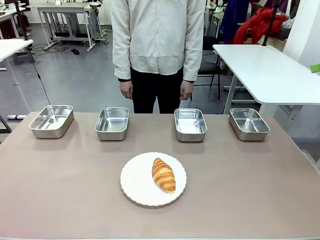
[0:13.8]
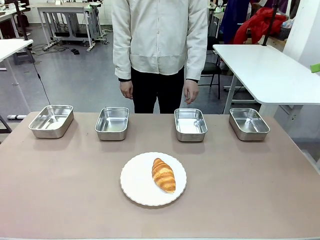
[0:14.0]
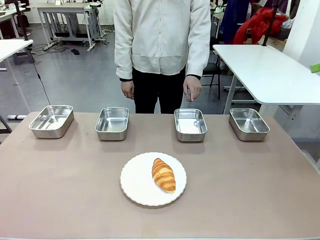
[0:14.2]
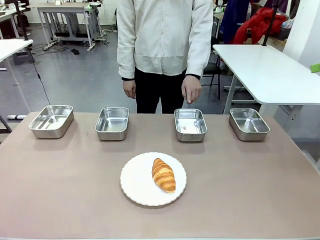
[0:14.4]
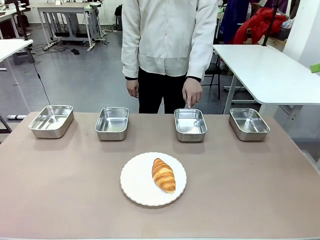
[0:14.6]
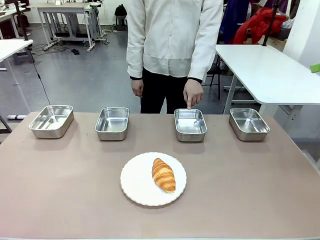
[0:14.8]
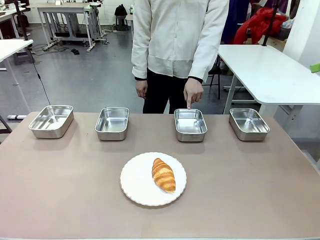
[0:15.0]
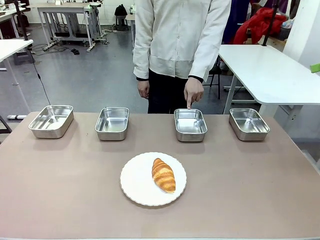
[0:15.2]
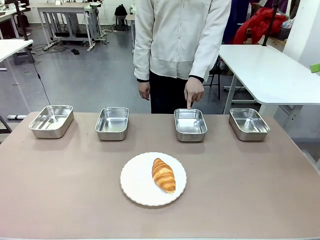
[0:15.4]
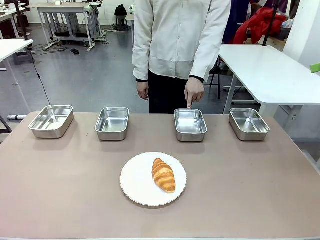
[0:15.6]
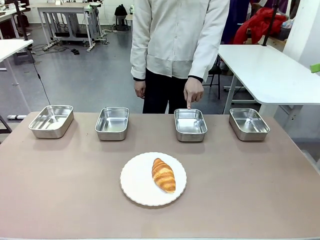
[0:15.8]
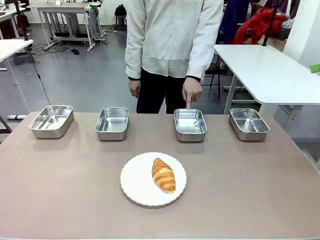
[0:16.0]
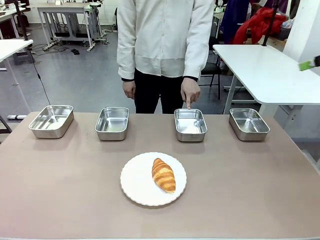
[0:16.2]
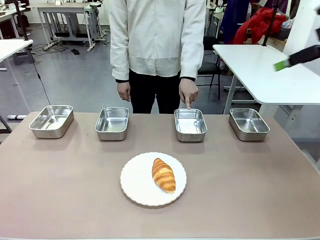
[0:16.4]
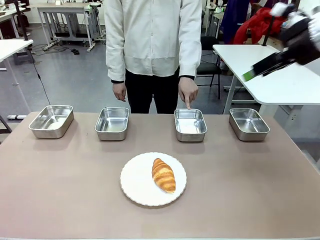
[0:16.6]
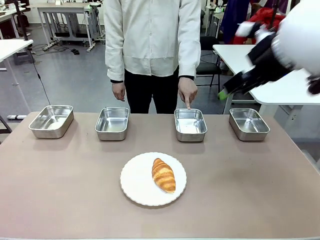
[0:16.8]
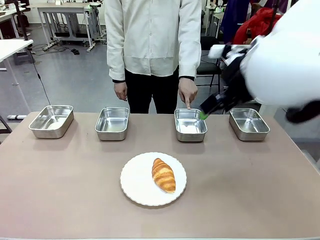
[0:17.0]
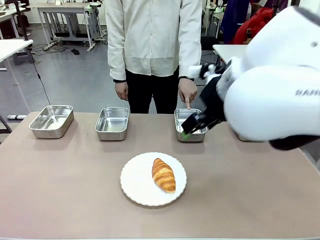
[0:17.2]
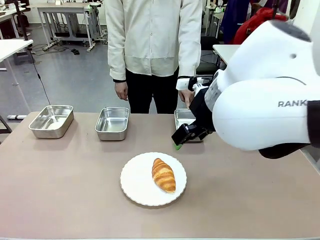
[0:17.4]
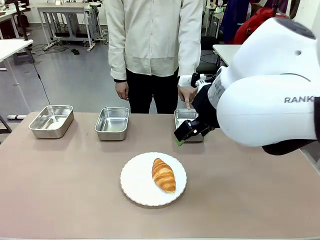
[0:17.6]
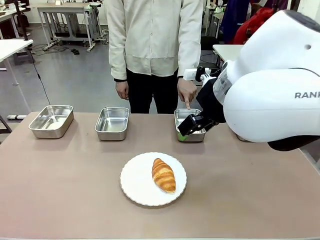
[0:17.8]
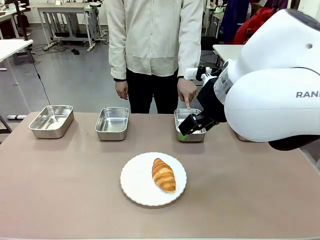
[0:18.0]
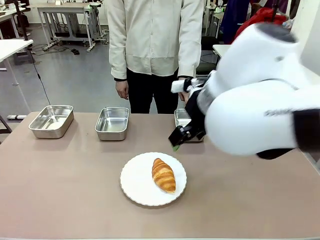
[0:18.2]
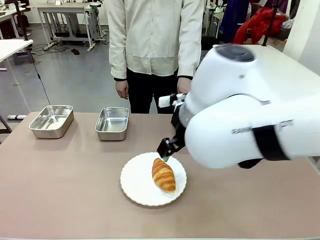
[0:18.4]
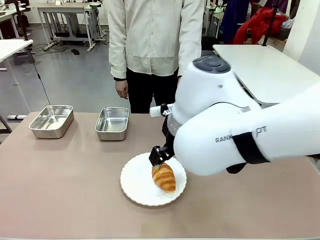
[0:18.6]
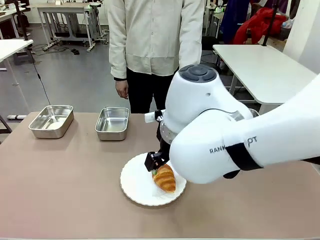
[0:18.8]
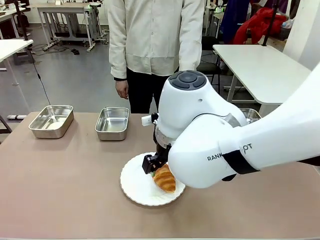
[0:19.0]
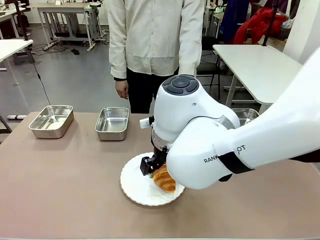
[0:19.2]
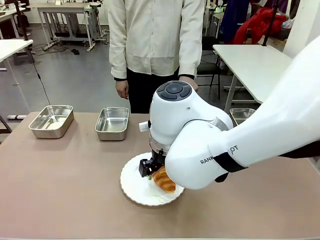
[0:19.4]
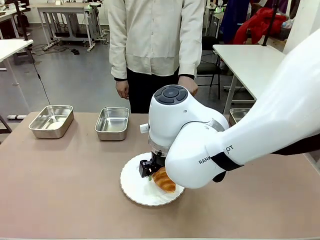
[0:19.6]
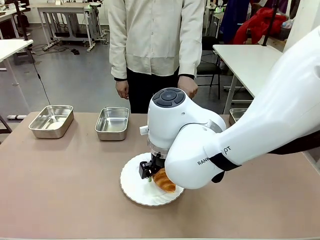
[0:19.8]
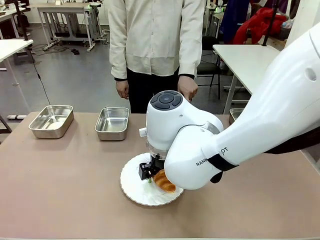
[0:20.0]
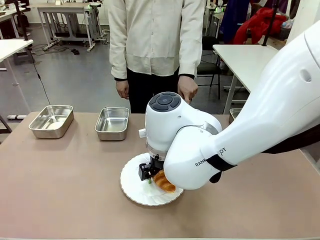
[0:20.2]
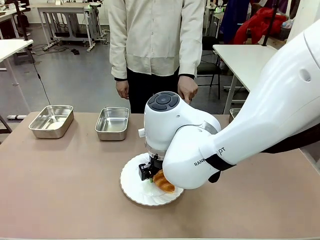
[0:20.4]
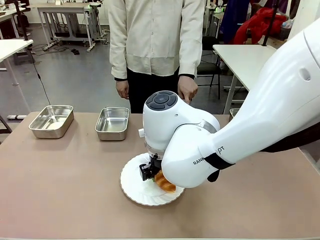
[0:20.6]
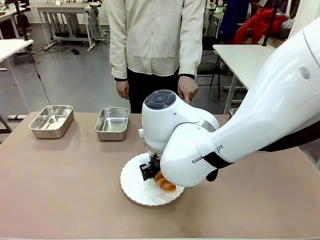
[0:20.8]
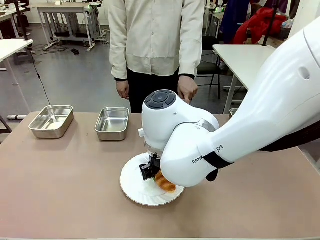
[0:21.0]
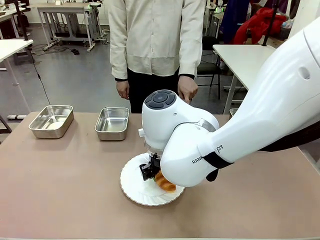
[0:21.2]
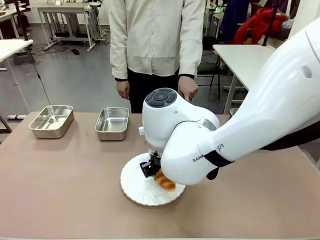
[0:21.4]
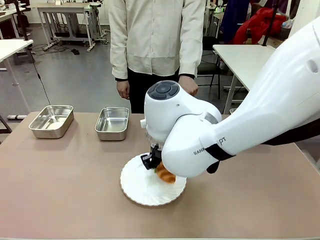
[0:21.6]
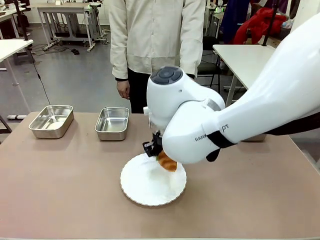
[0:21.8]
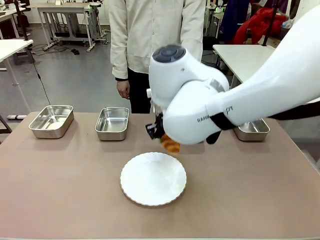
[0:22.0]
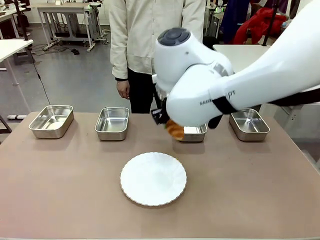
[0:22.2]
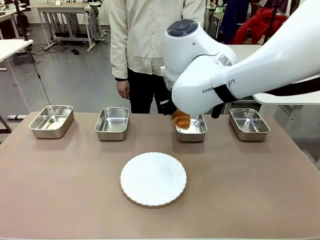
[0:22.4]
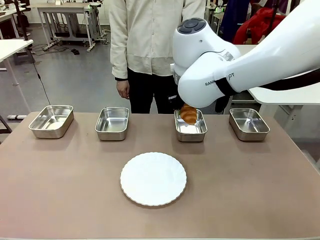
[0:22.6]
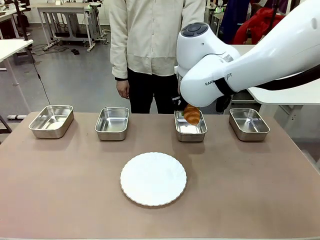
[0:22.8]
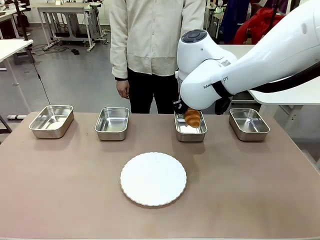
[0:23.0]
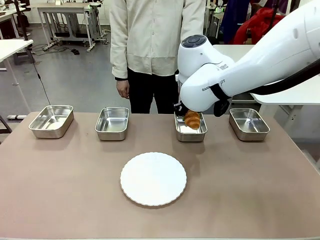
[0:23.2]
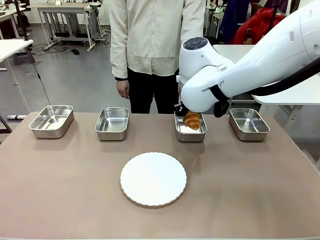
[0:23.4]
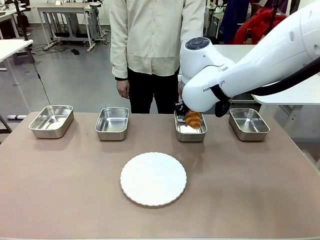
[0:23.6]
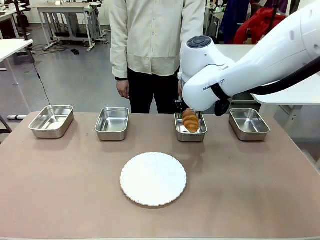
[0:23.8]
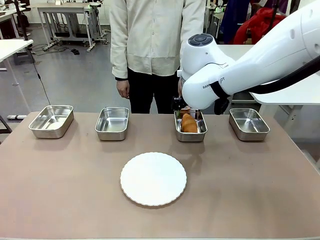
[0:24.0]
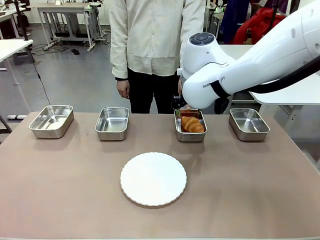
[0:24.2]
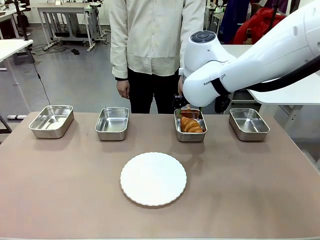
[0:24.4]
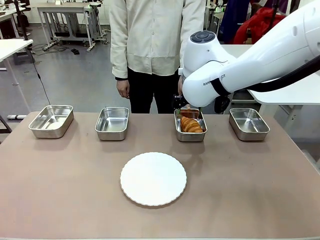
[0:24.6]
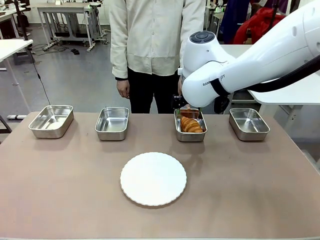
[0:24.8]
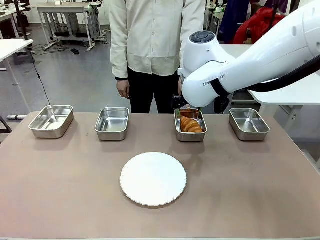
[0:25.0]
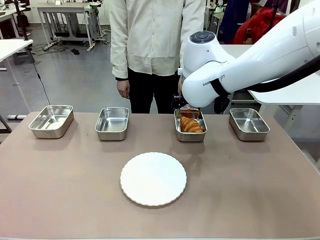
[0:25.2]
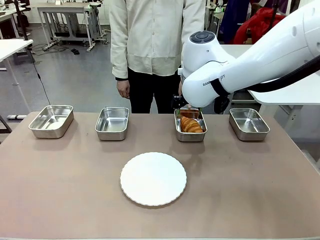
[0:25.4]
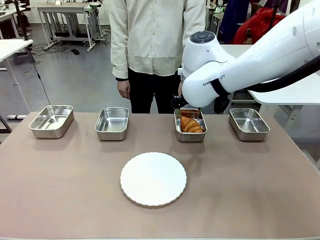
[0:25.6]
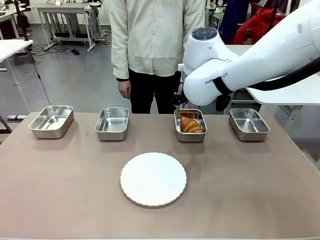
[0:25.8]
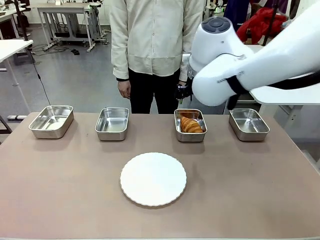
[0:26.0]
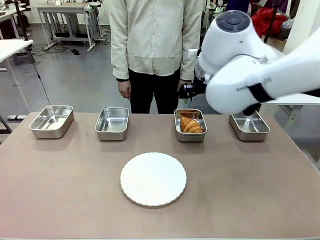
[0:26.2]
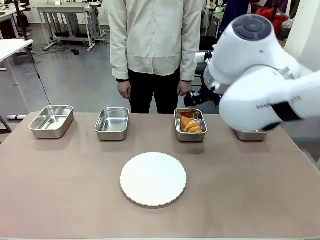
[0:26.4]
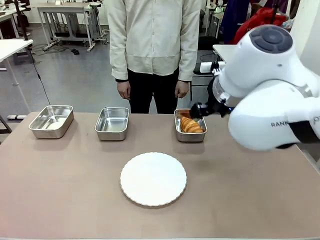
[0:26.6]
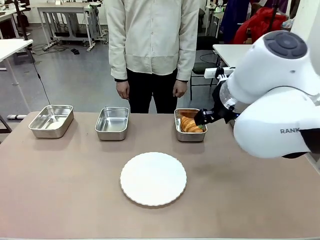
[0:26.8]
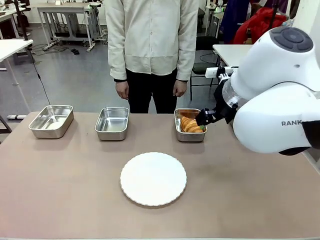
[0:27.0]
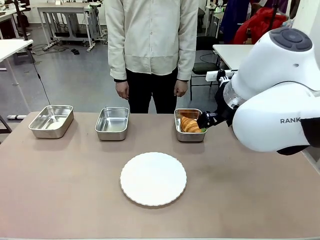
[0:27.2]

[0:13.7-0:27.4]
Task: Place the bread in the container.
Robot: Place the Butter Roll into the Airtight Container indicated by the human.
